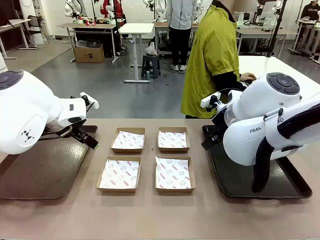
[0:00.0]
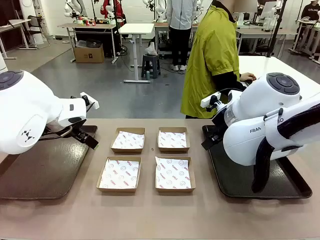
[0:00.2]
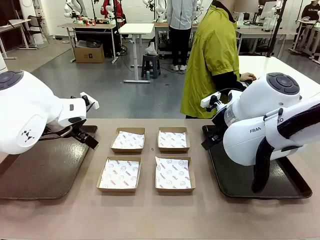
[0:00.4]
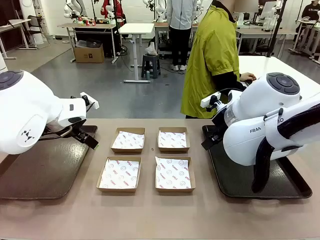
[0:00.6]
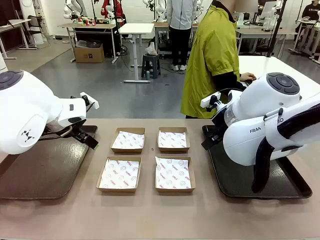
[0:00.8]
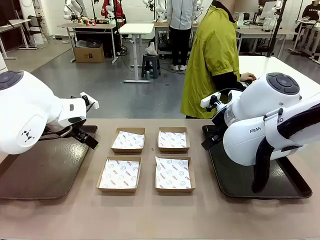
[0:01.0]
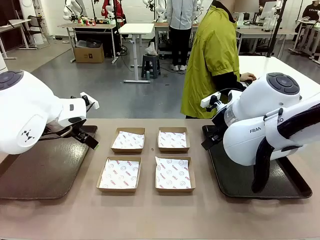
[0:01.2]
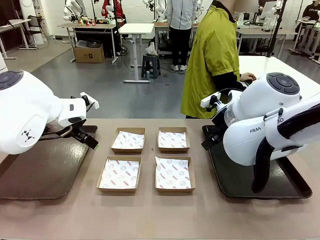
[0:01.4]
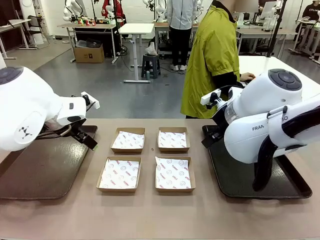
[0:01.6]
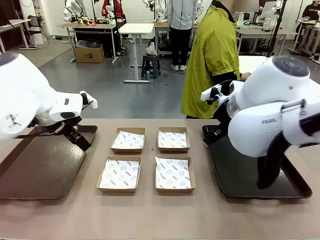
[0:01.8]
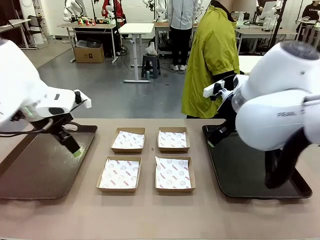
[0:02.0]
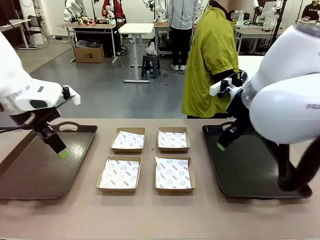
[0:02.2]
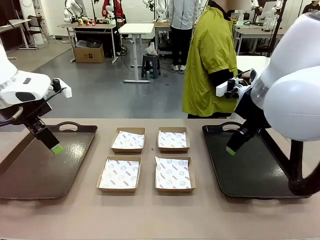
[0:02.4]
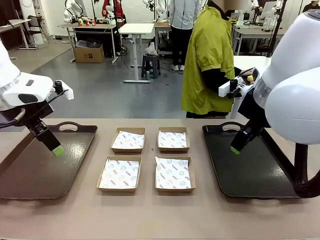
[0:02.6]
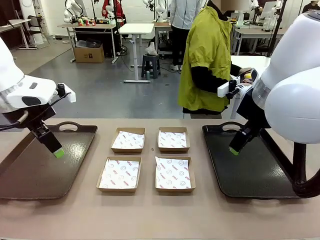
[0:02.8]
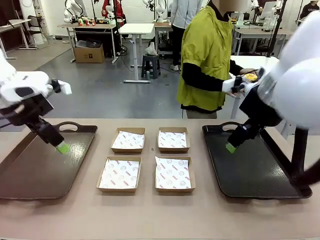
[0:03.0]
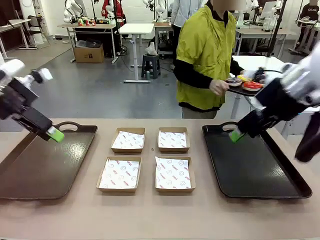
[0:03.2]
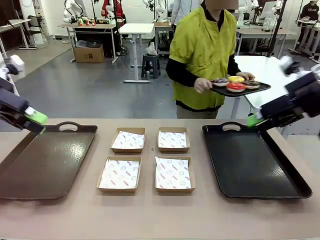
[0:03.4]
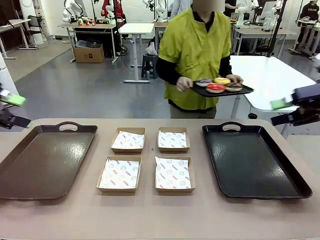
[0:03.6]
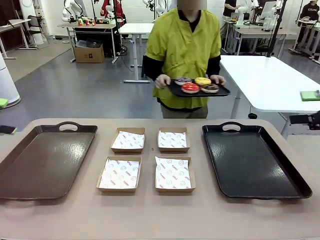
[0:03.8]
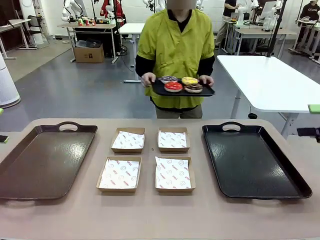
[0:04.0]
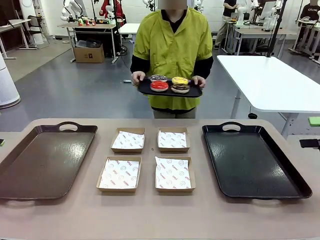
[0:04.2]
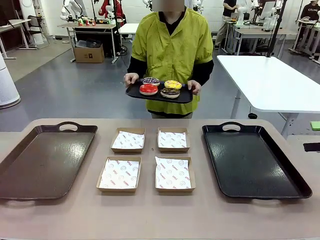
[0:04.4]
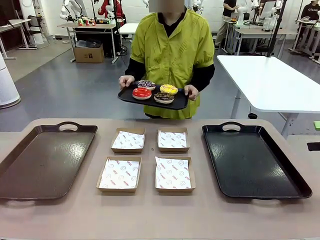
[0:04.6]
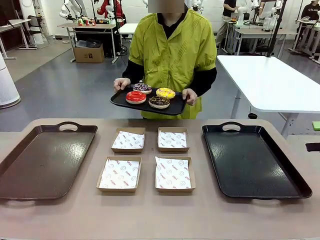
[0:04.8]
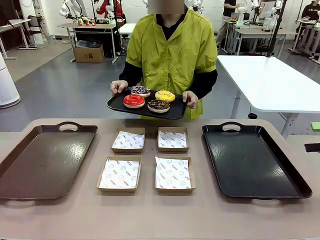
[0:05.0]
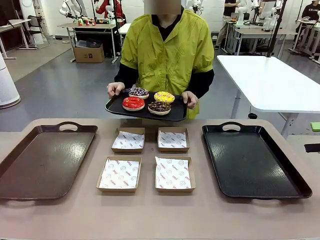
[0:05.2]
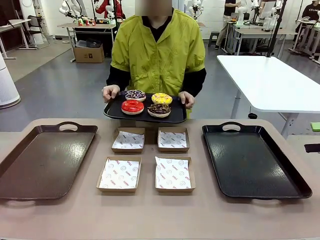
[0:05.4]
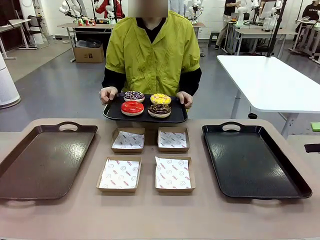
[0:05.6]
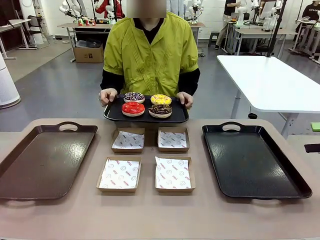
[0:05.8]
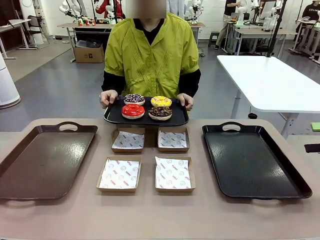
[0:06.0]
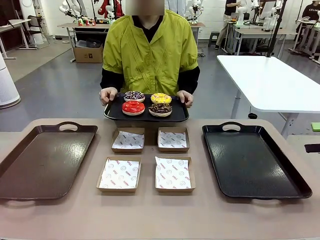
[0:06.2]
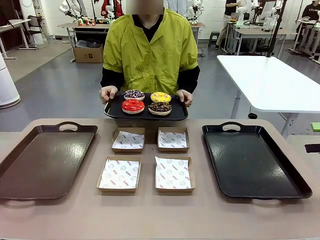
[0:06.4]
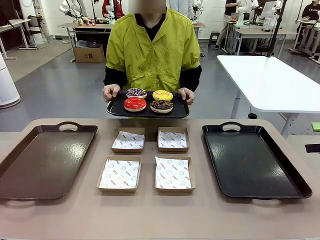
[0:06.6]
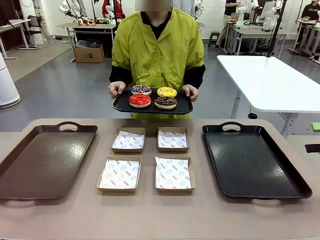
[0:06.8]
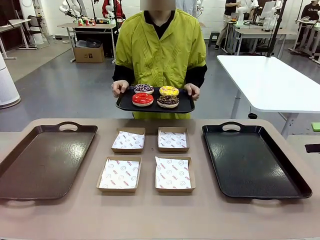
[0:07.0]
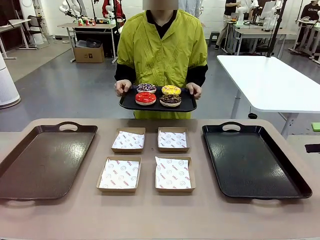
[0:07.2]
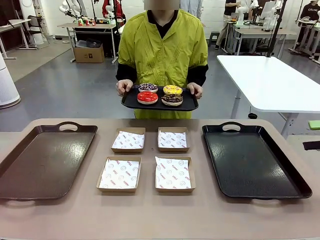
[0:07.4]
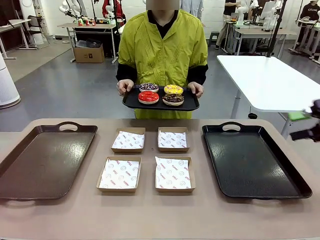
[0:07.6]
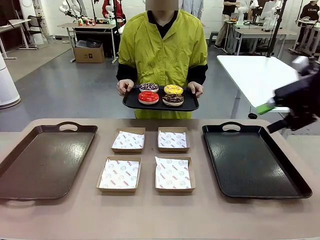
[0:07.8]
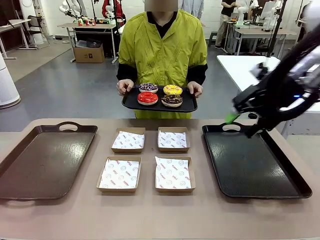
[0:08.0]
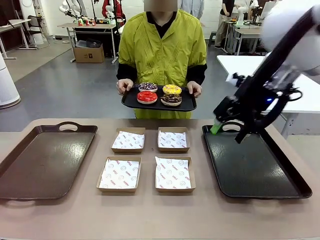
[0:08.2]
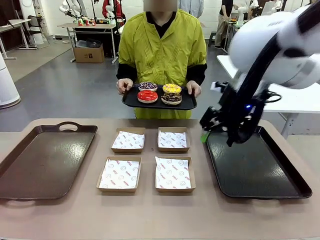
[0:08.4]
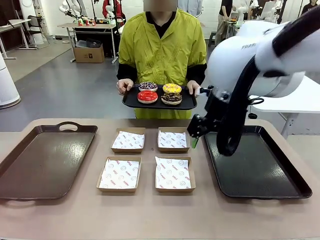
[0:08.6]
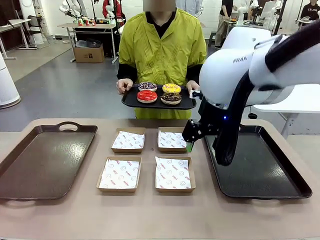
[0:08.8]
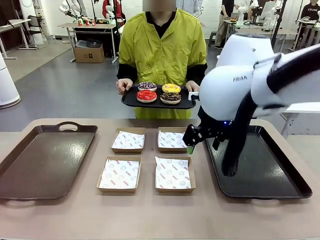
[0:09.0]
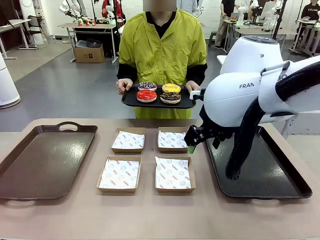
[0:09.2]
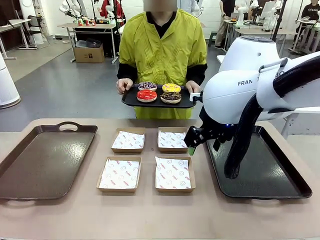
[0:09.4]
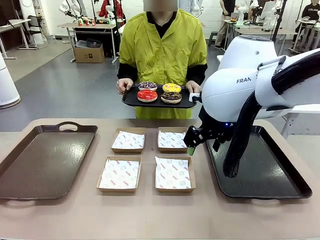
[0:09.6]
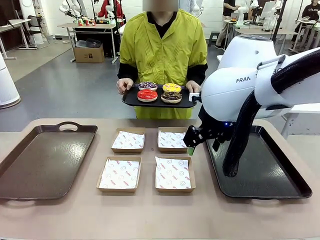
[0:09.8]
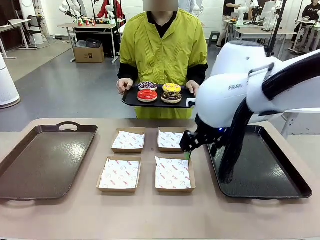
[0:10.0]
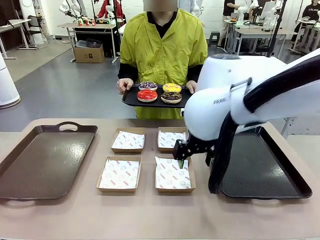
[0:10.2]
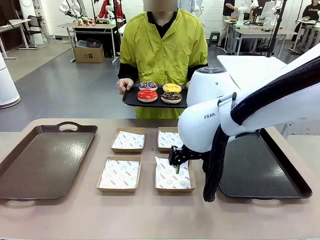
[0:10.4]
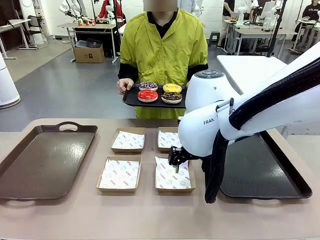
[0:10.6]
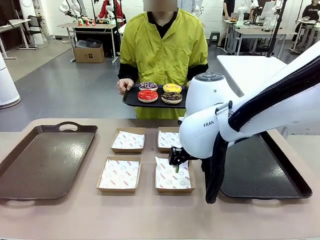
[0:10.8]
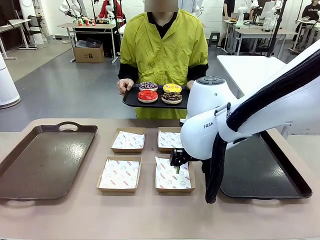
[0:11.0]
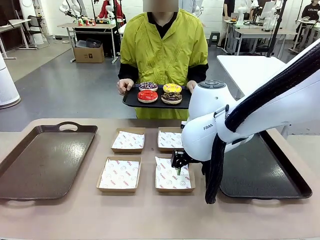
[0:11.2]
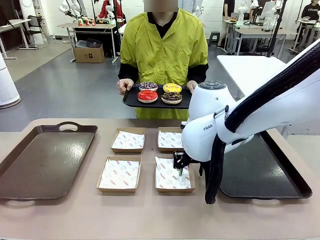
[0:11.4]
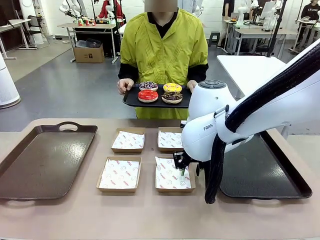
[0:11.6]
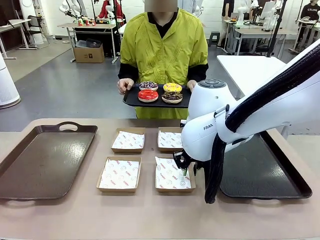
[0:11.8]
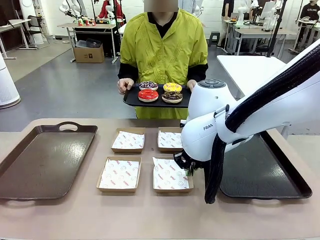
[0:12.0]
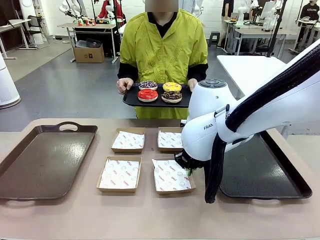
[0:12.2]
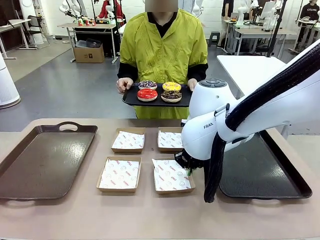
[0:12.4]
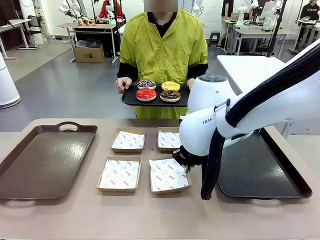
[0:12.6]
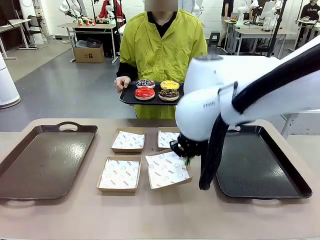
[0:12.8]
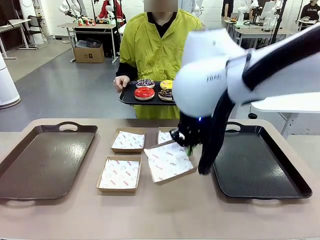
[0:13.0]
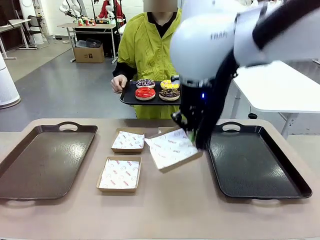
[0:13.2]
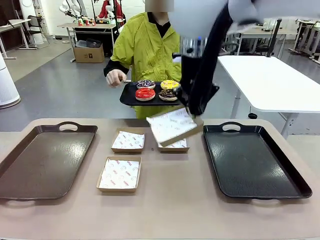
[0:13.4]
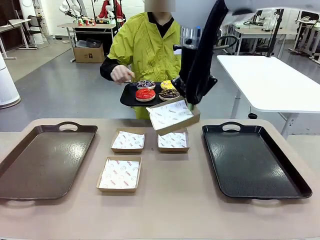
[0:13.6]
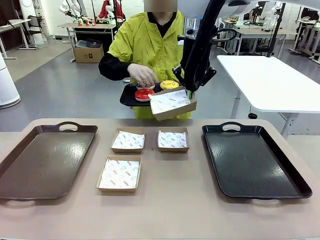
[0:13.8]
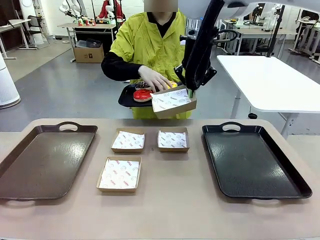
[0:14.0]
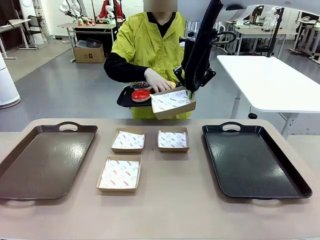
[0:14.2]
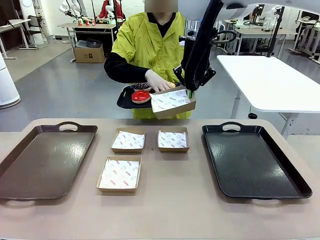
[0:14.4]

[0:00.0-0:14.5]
Task: Individually package the donuts and arrange them on the tray.
Robot: Pick up one Paper togo box.
Person: Stand in front of the robot table holding the tray containing the donuts.
